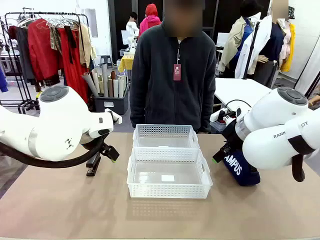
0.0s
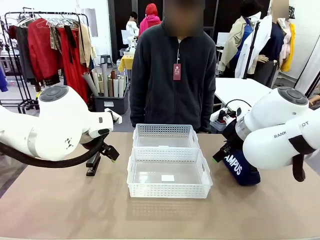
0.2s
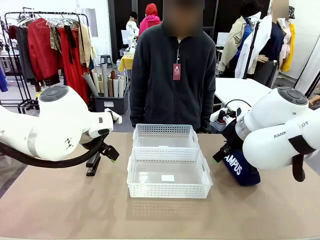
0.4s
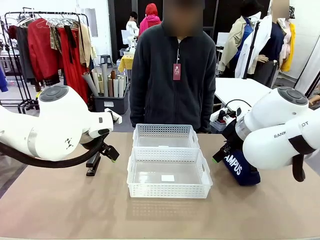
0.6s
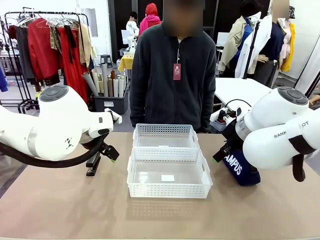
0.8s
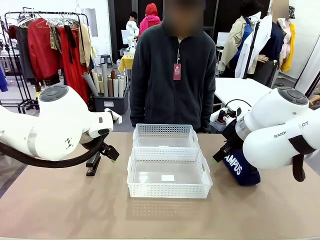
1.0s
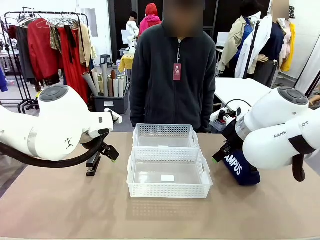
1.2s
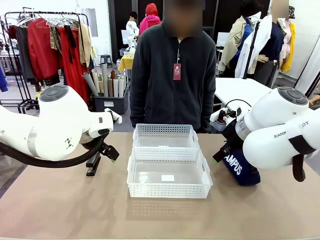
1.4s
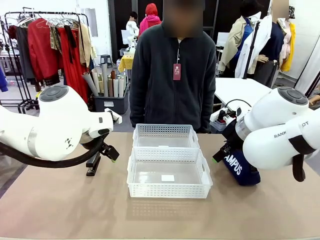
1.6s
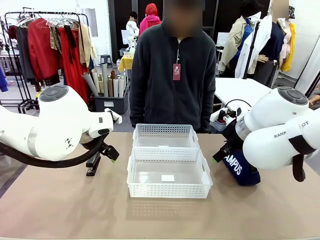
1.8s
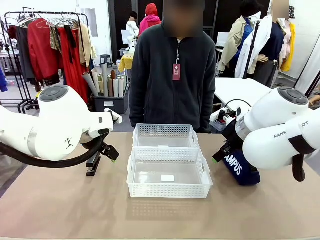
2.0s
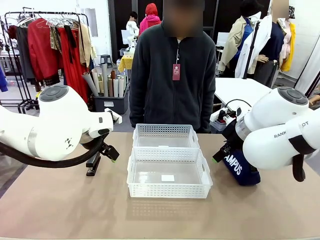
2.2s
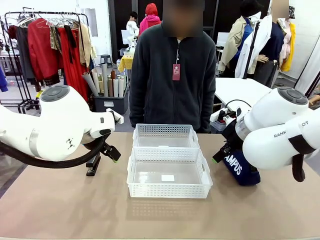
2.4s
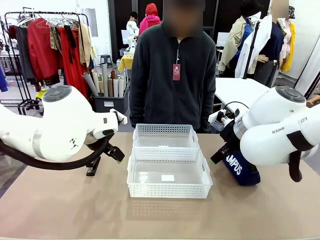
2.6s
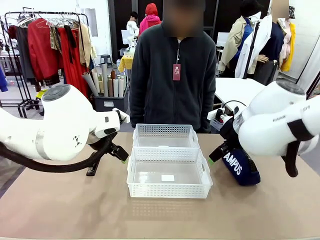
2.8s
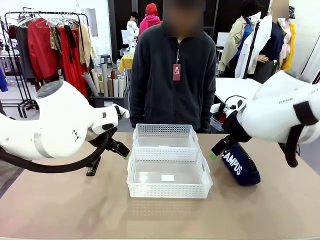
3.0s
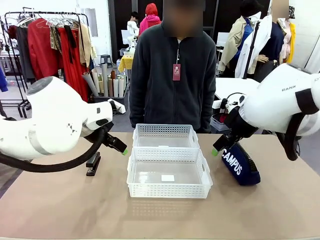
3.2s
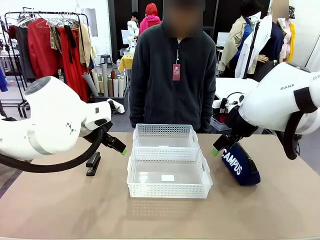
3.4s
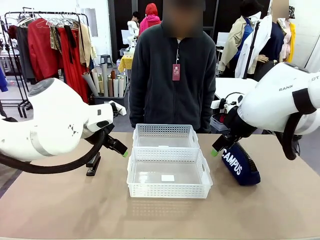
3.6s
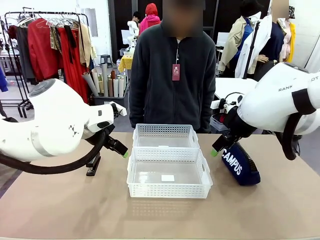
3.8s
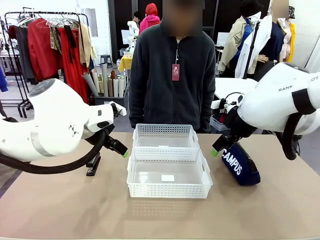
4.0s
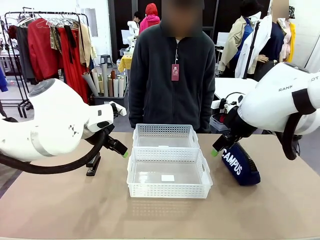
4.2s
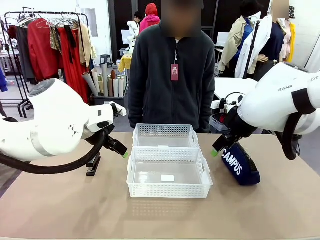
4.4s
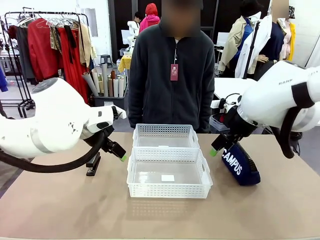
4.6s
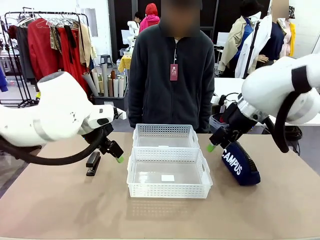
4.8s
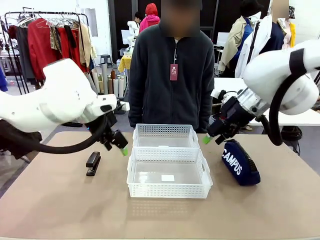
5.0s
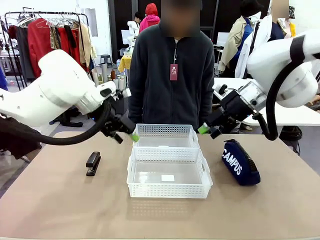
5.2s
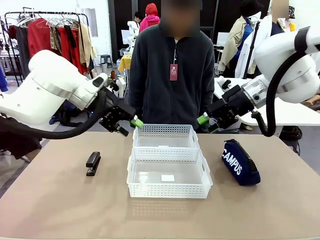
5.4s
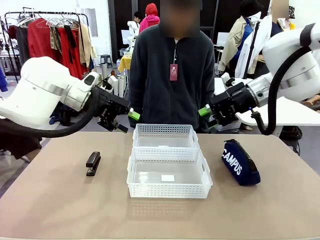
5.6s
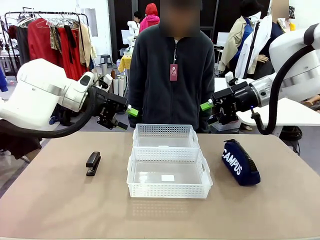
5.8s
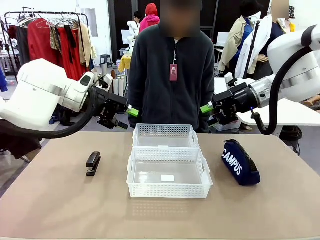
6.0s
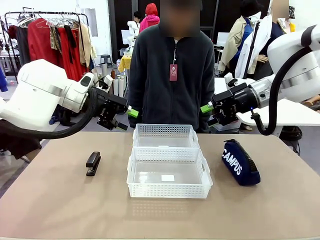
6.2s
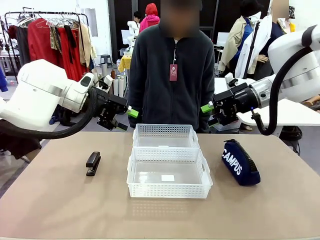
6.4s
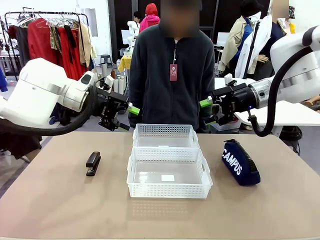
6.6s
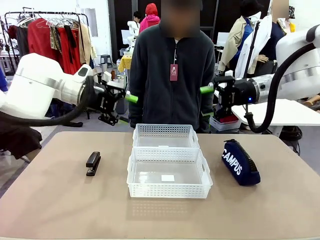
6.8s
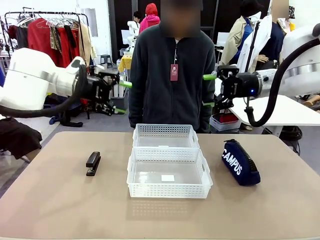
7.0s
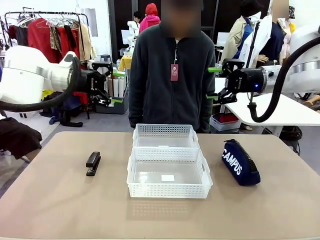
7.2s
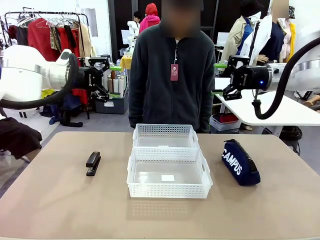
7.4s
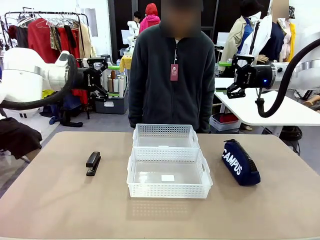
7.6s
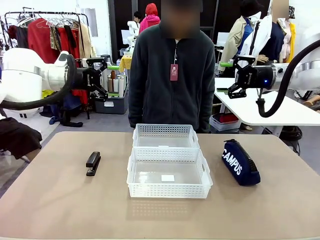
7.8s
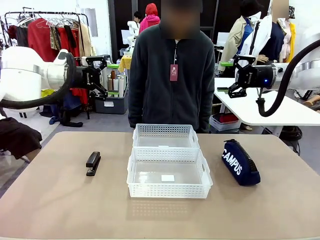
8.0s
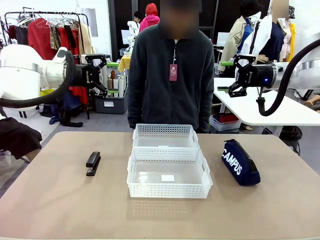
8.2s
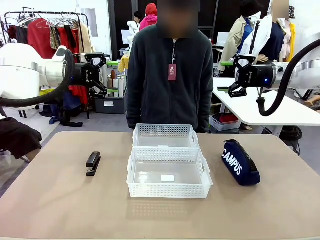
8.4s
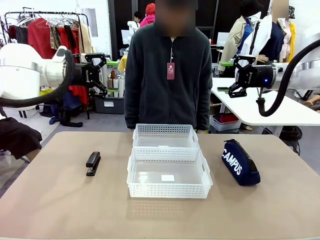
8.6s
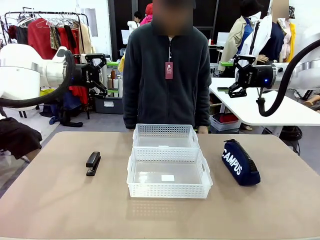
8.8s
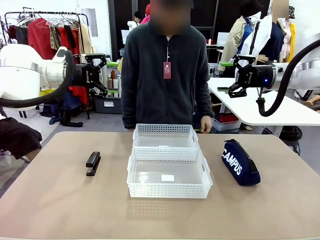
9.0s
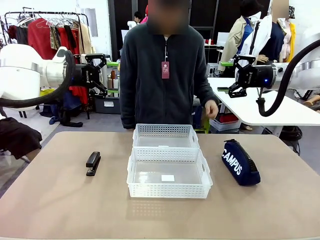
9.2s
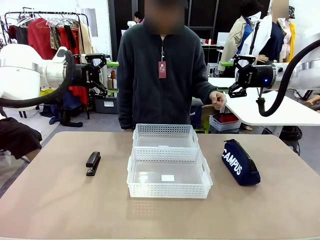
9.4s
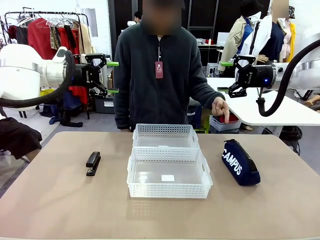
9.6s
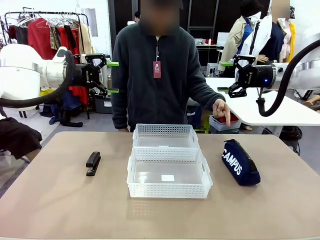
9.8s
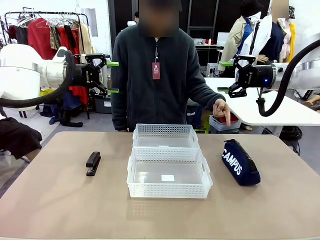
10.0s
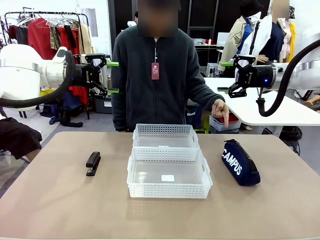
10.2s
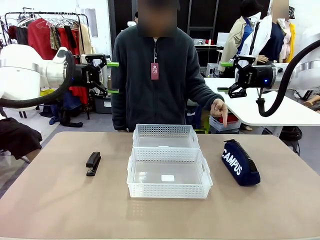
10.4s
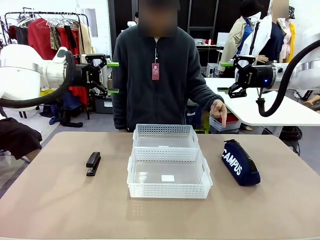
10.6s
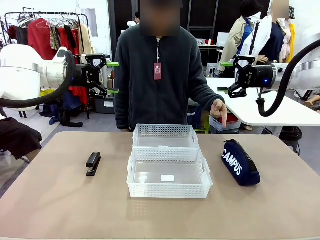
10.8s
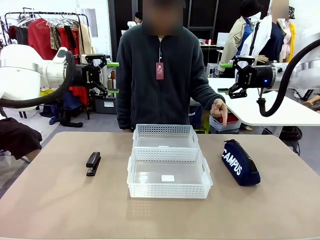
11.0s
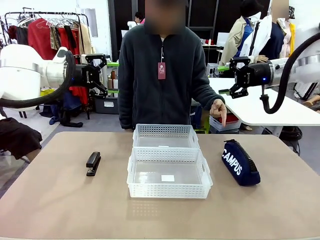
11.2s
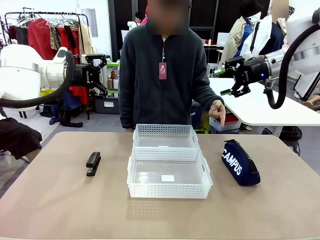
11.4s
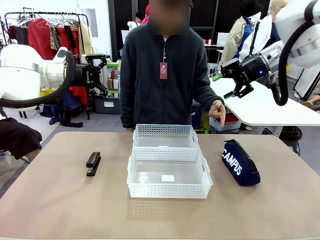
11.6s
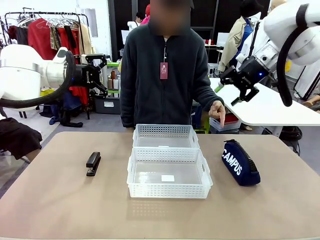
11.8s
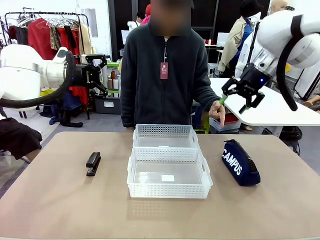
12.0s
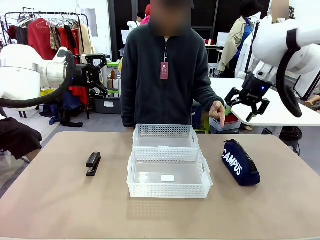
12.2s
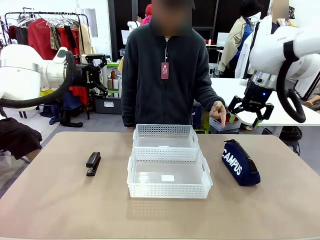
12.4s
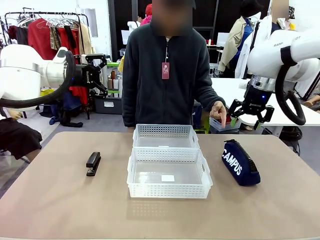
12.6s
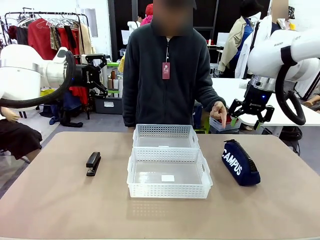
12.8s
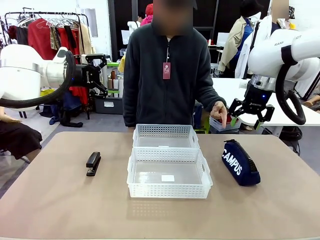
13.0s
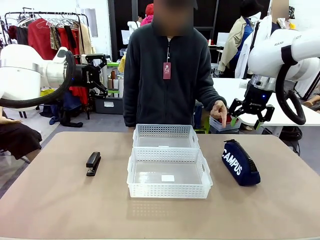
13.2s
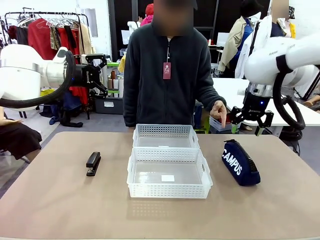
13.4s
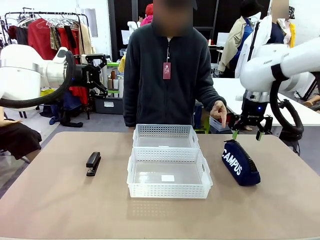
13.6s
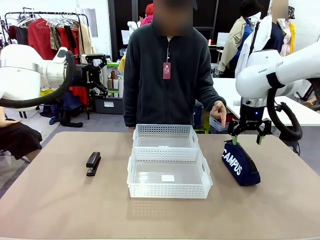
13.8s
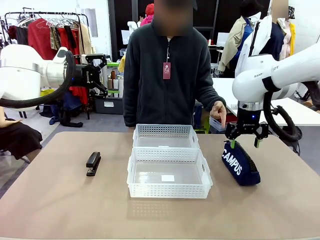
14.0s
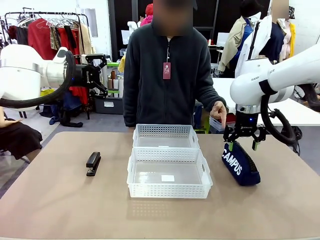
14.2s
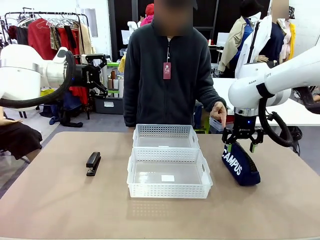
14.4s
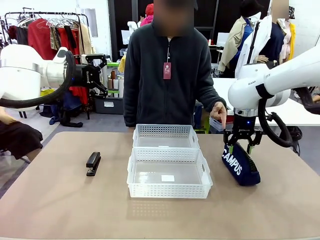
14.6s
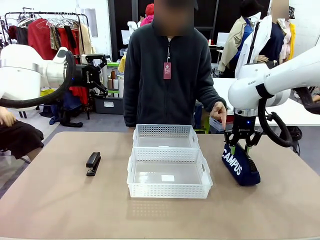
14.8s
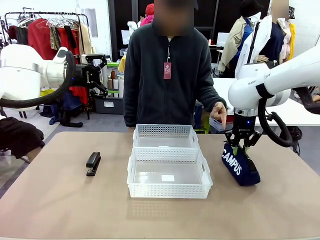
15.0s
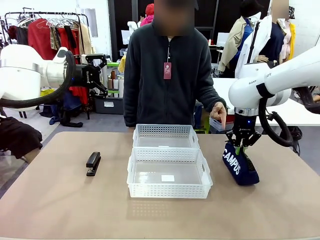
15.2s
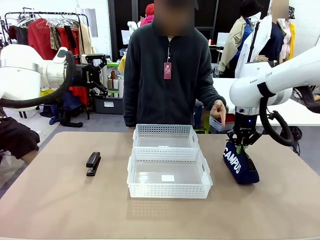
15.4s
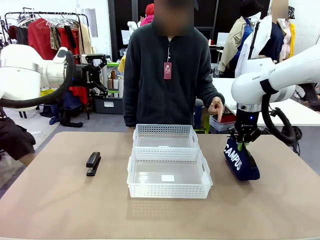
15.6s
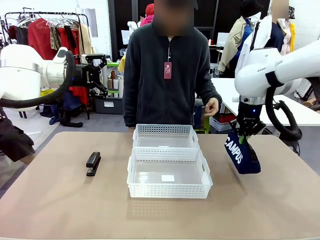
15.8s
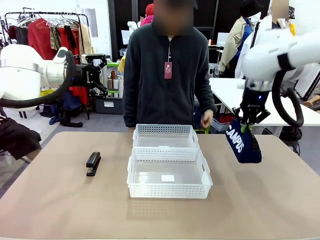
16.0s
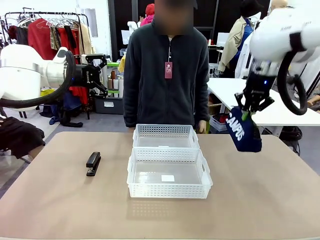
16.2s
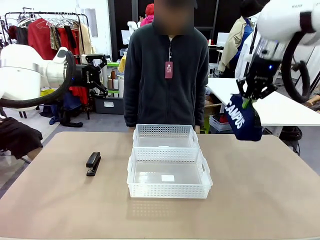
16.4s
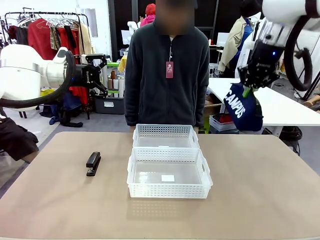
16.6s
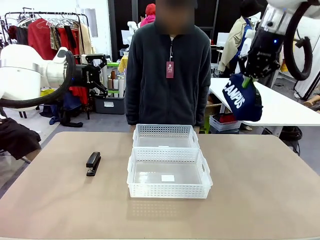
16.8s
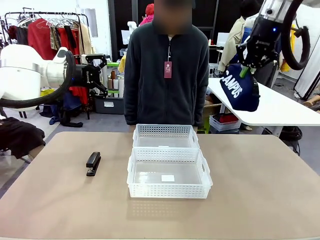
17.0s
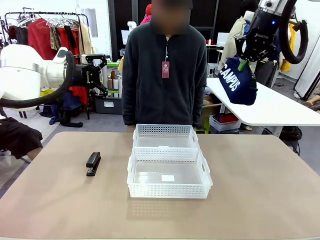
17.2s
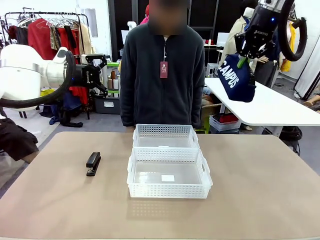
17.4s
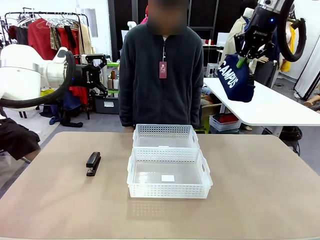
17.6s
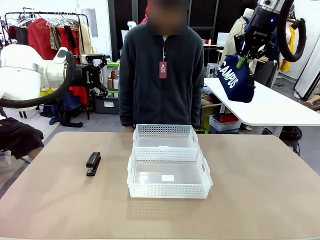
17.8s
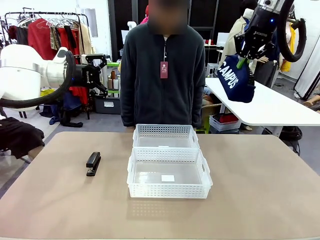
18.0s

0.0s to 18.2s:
Task: Distribute items into two baskets.
Robot: Pick up the Pencil pouch that the person points to.
Person: Points to the pencil case. Points between the two organizing baskets and instructs the robot to move the pencil case.

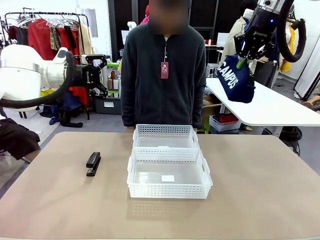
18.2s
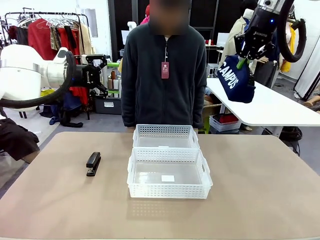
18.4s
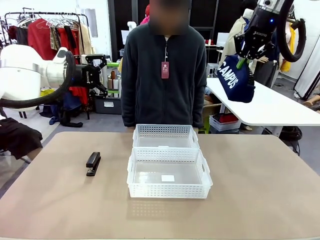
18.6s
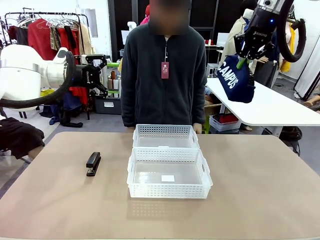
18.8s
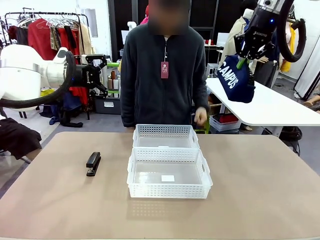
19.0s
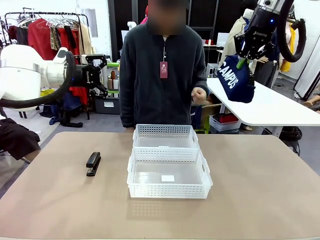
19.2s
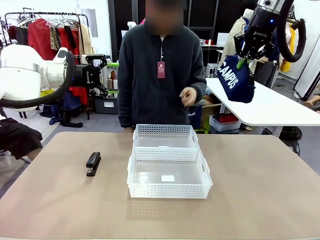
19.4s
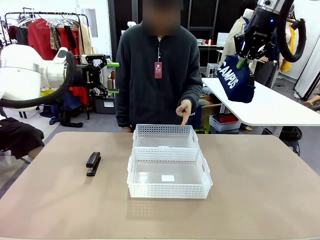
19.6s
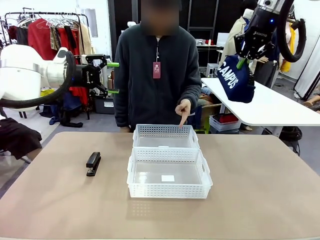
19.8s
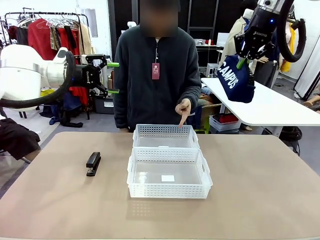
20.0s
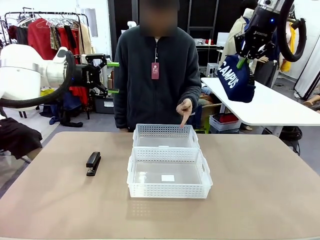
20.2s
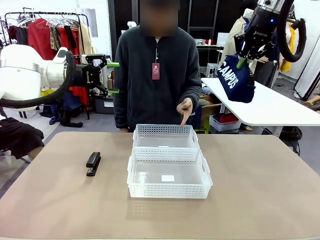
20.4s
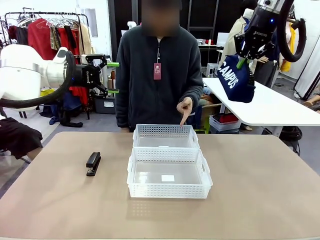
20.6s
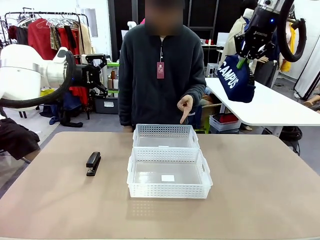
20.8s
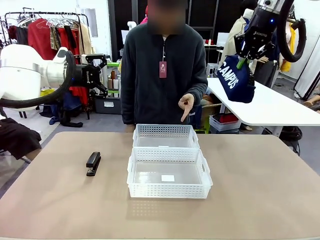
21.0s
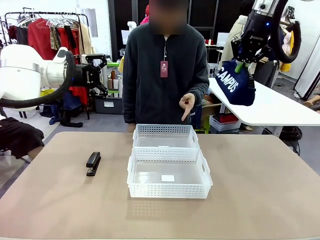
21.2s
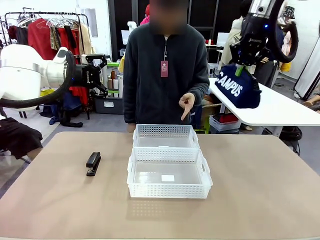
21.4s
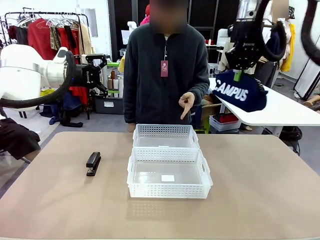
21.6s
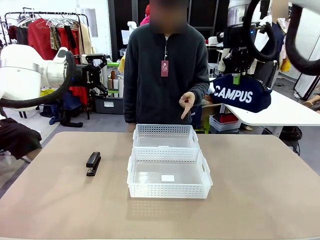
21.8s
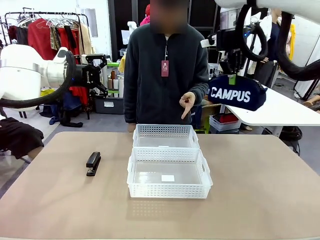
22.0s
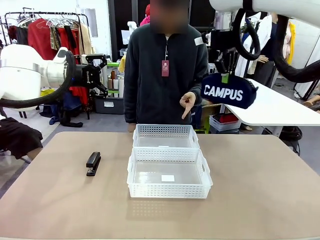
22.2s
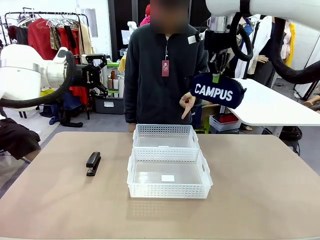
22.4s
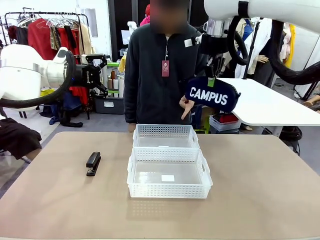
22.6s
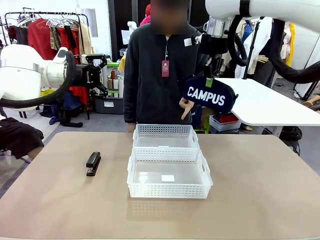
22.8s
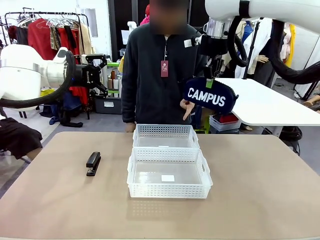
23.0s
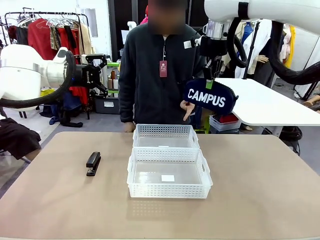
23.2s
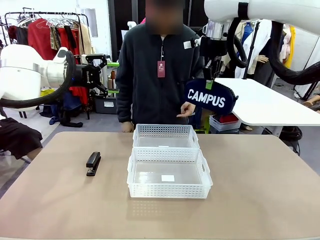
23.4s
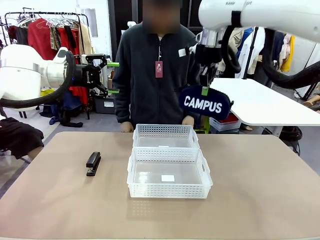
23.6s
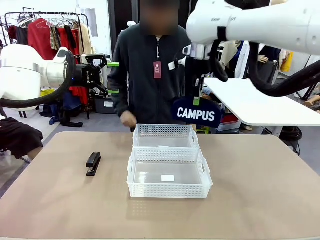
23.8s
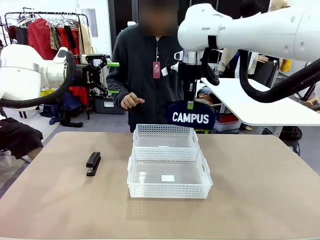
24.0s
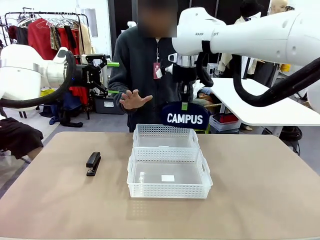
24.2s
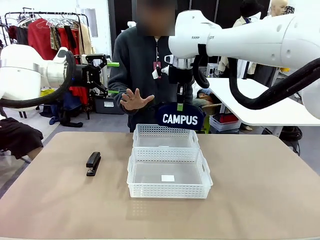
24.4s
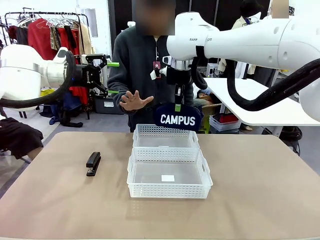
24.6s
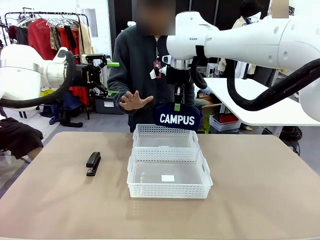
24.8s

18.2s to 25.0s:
Robot: Move the picked Pencil pouch towards the Organizing basket indicated by the person, stopping as directed.
Person: Sends a stop gesture before the robot places the pencil case into the basket.
